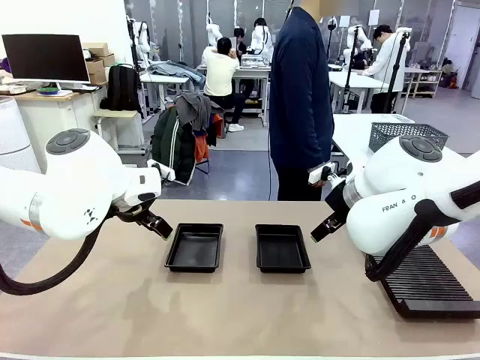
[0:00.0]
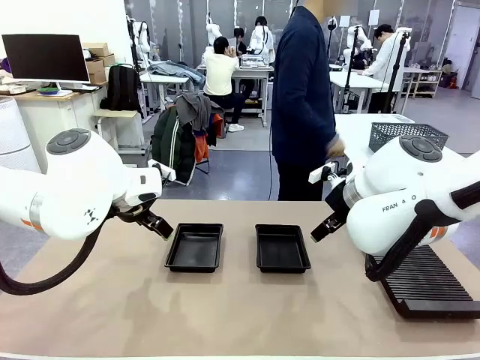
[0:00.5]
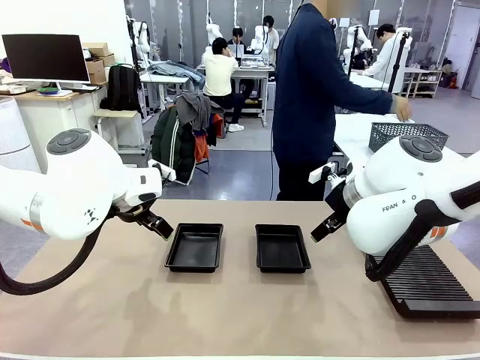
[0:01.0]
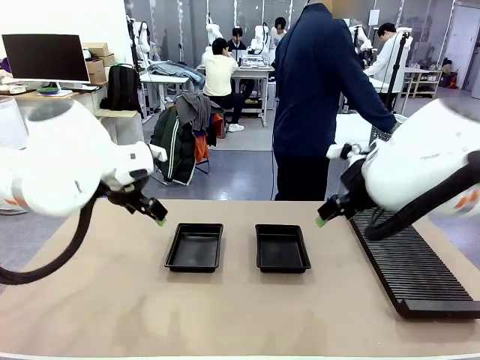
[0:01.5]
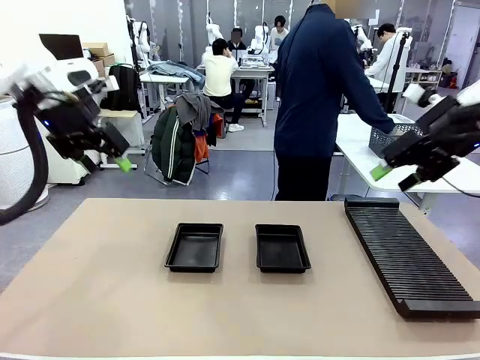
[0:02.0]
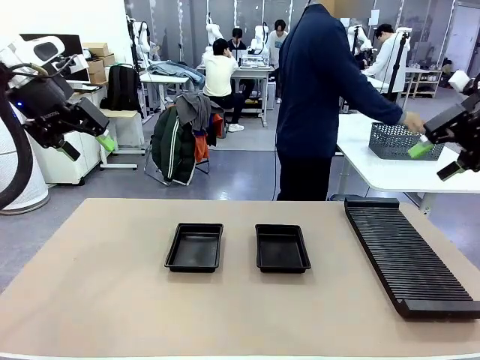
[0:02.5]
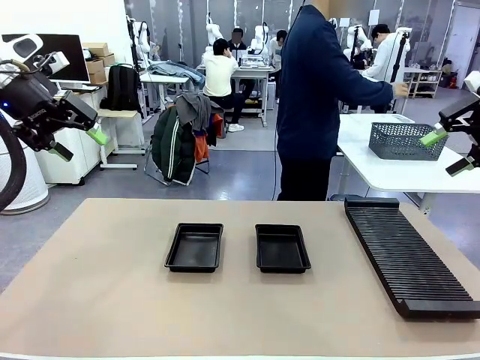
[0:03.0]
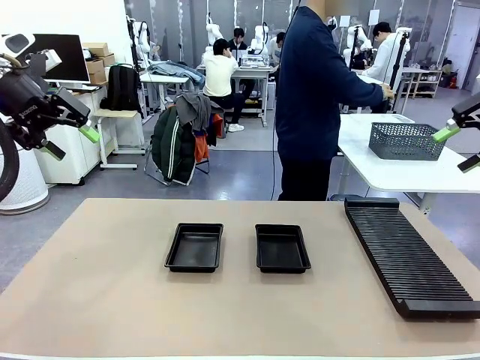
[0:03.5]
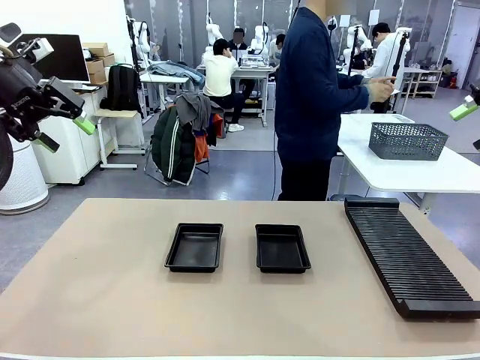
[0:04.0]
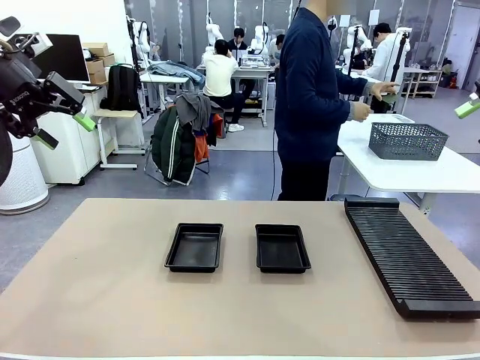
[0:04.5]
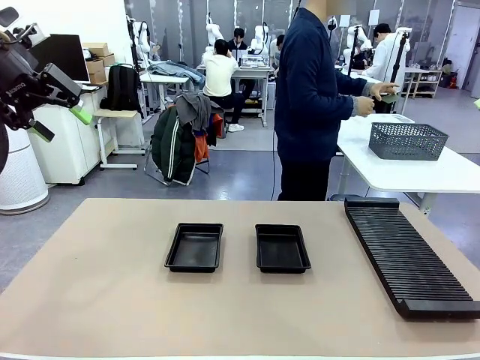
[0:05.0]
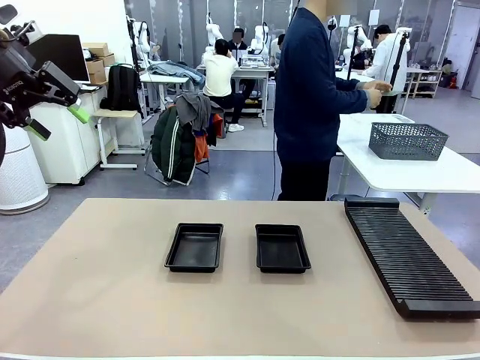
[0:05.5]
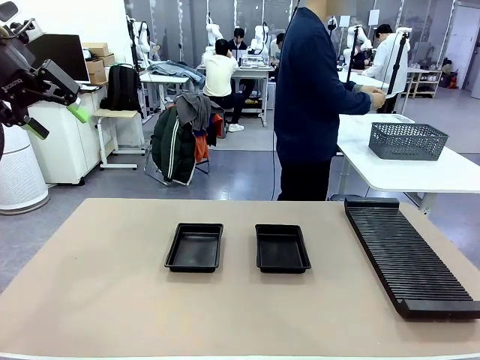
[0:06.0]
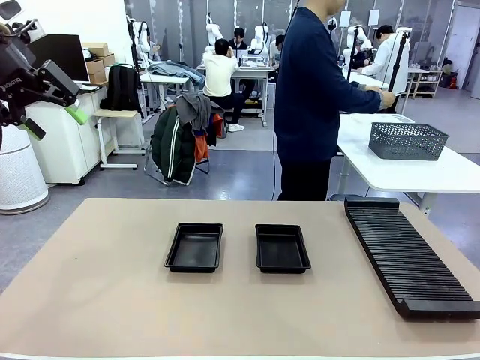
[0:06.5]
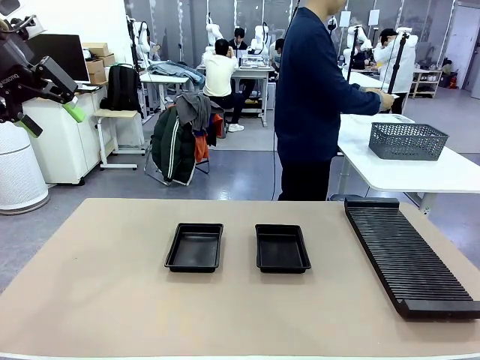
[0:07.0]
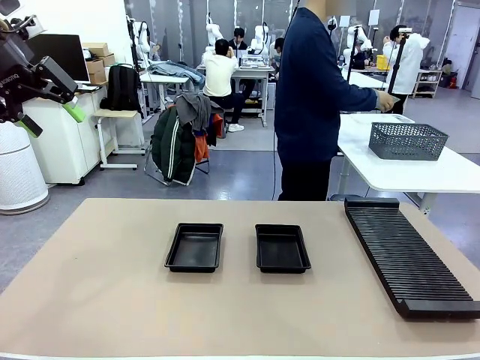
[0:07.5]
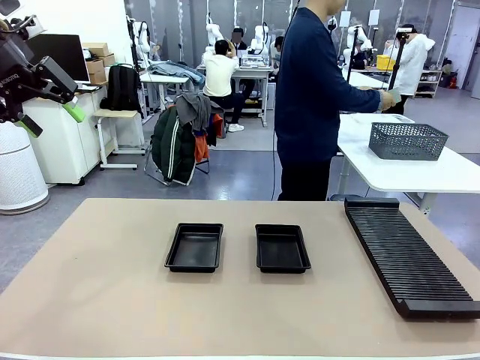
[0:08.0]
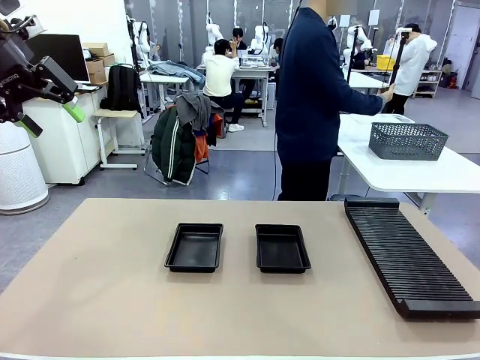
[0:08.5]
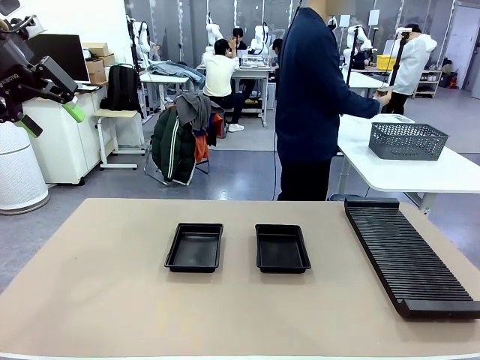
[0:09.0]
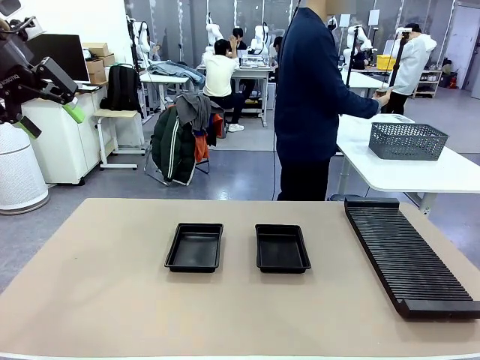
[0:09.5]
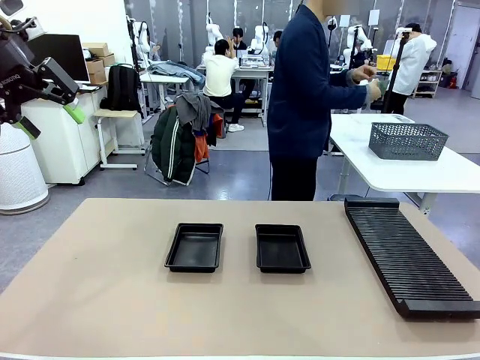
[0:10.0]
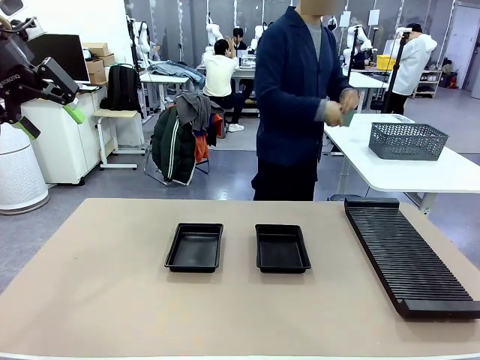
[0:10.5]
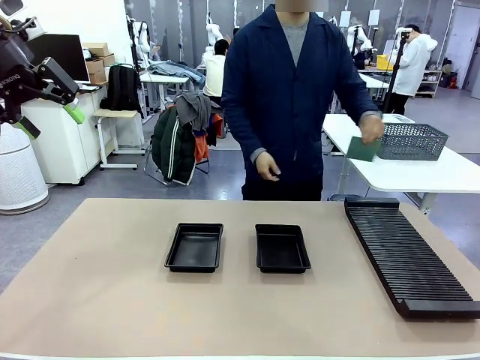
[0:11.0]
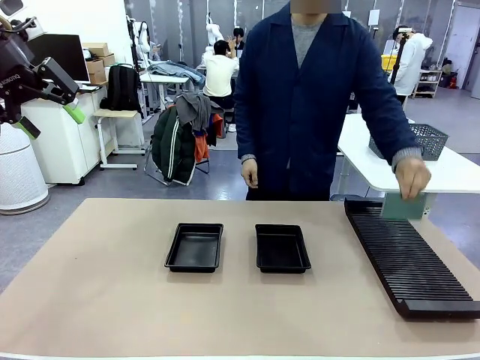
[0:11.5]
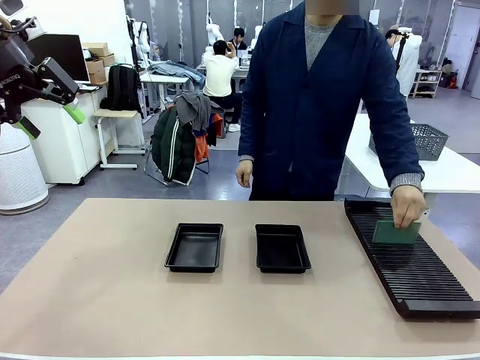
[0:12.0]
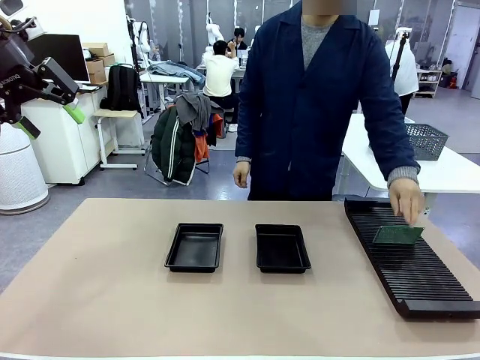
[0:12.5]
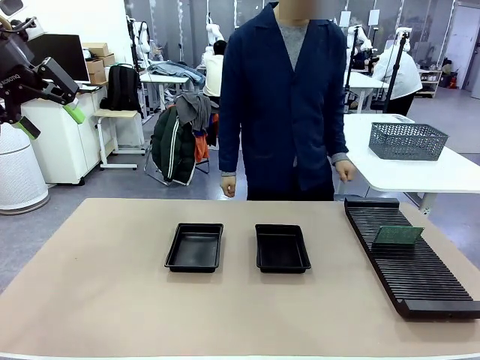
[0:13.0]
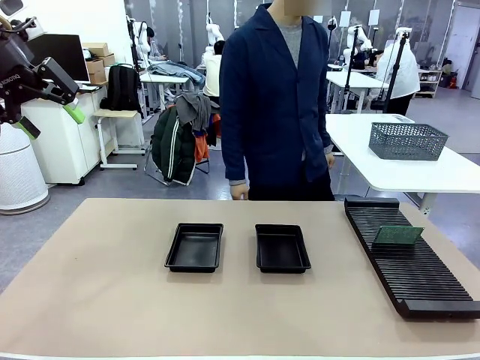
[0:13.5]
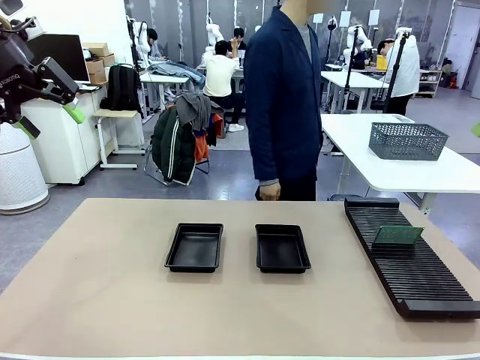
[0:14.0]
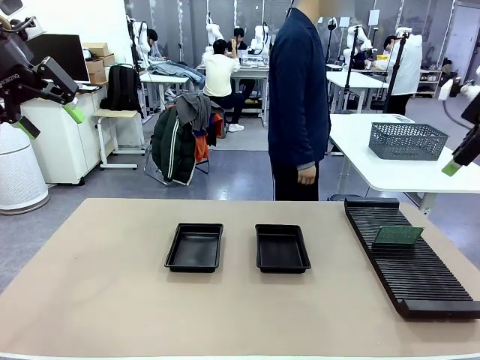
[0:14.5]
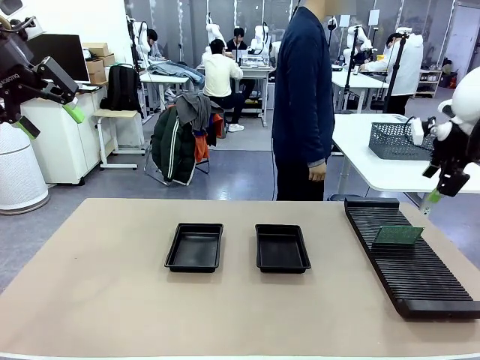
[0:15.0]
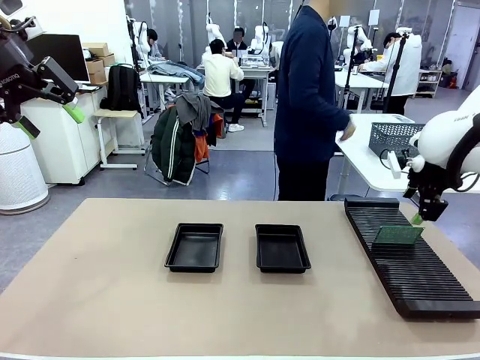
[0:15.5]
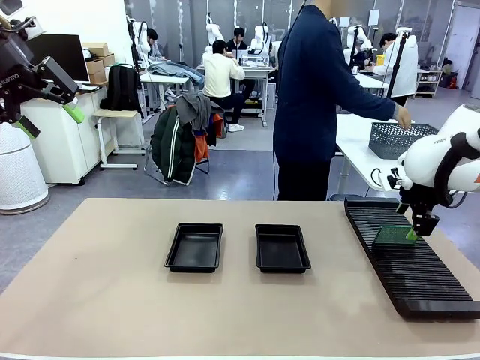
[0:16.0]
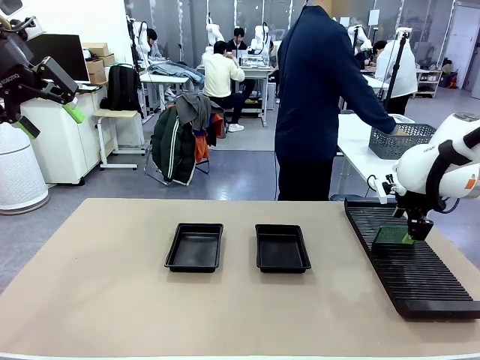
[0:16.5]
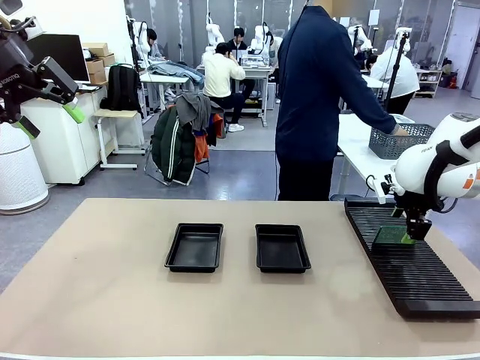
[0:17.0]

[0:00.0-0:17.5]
Task: Inspect and transfer BCBs to ESD trays.
Robot: Pick up the Blank PCB from the PCB Rack and place it in the left ESD tray.
